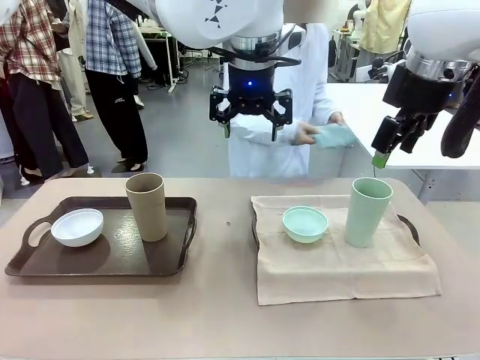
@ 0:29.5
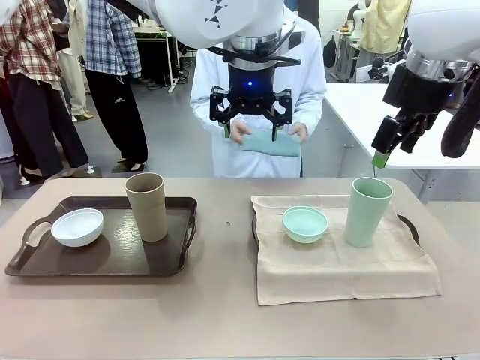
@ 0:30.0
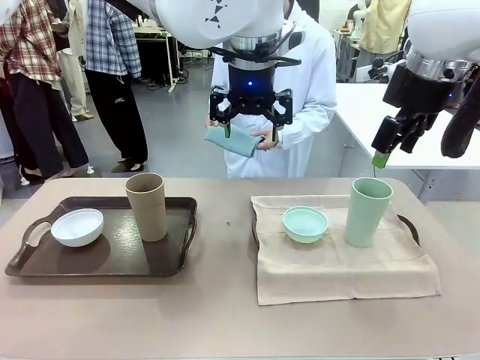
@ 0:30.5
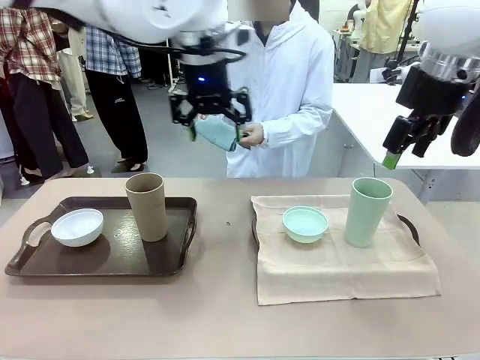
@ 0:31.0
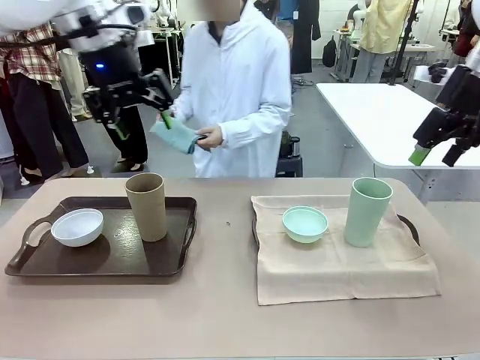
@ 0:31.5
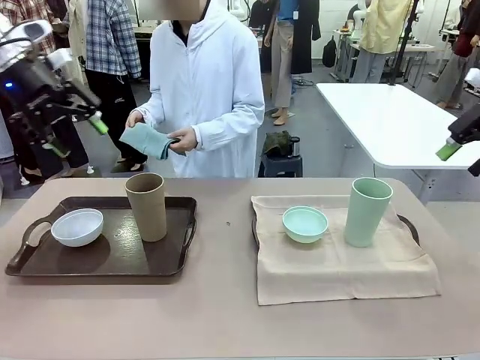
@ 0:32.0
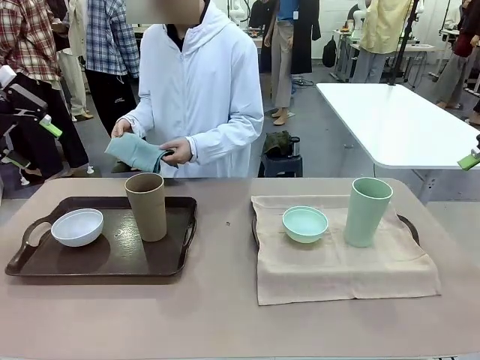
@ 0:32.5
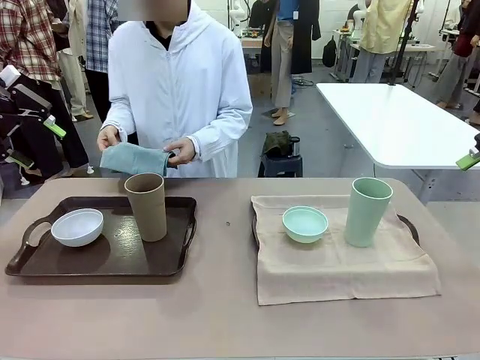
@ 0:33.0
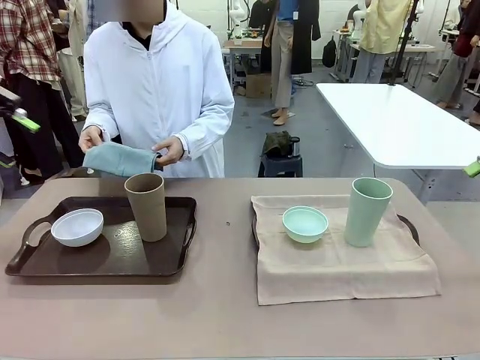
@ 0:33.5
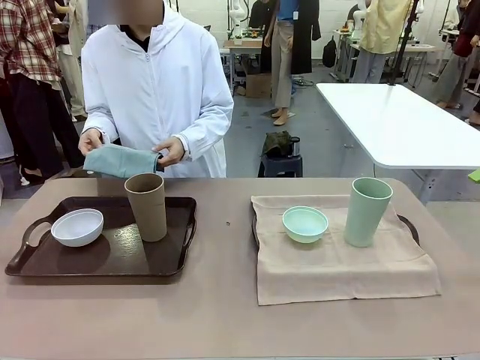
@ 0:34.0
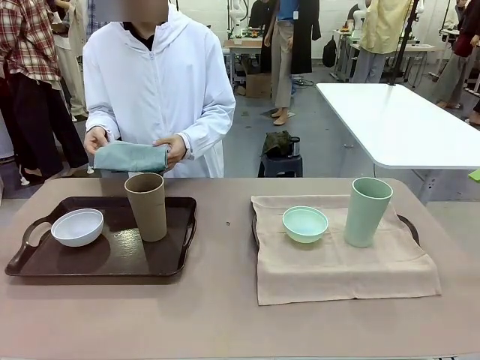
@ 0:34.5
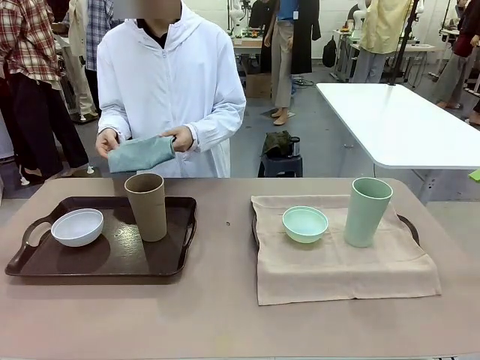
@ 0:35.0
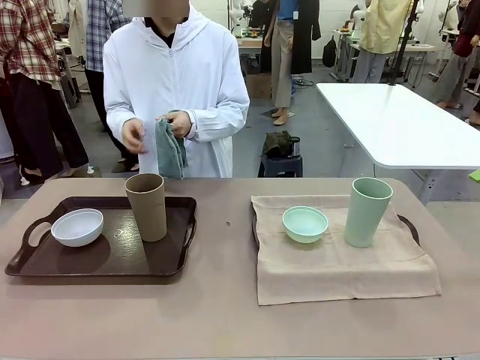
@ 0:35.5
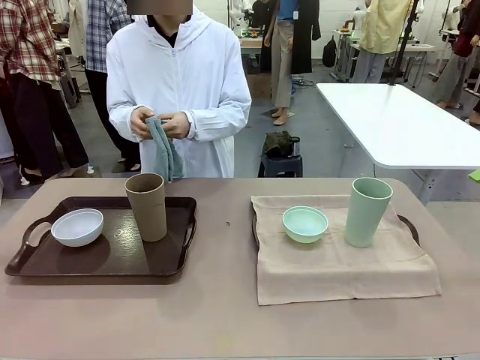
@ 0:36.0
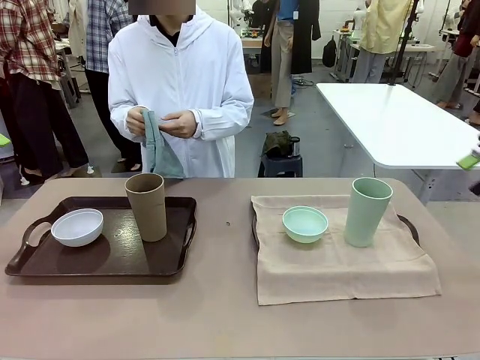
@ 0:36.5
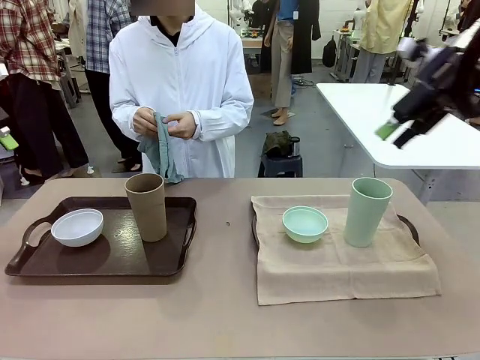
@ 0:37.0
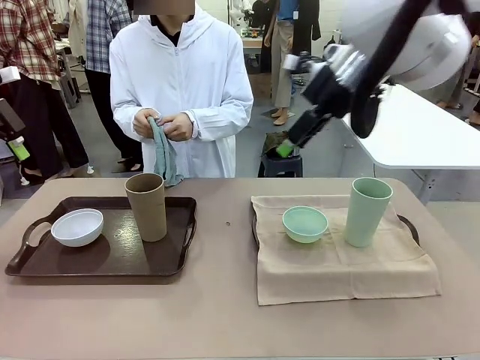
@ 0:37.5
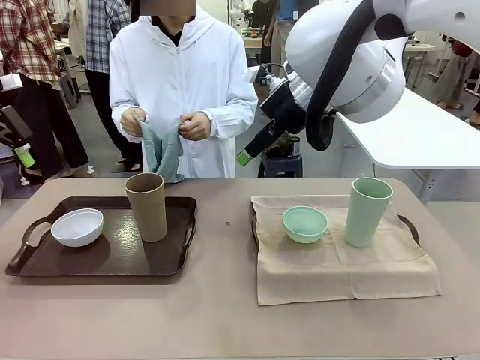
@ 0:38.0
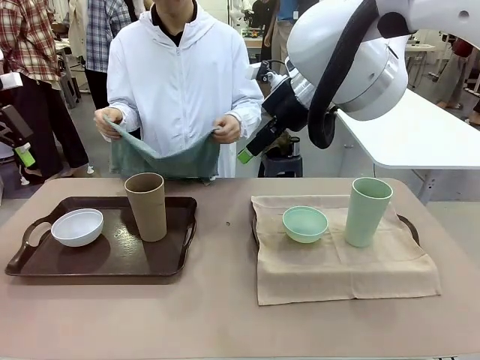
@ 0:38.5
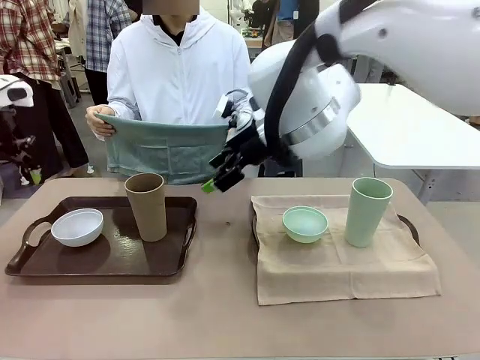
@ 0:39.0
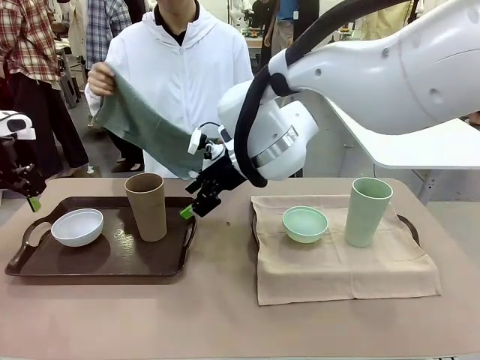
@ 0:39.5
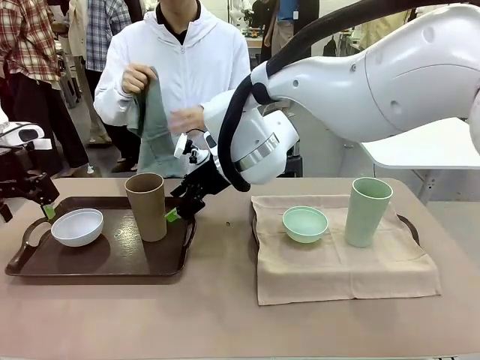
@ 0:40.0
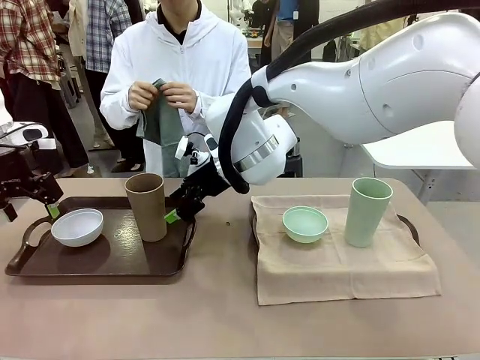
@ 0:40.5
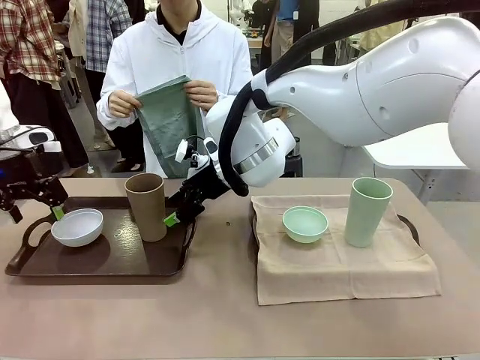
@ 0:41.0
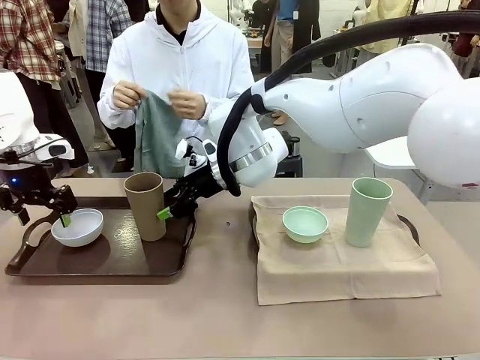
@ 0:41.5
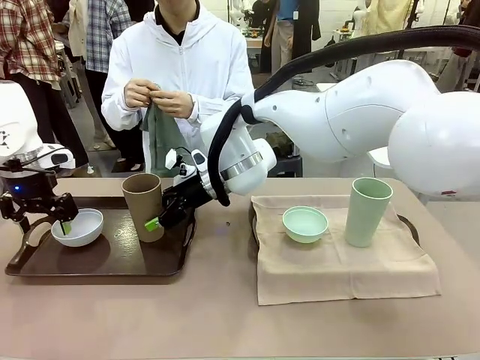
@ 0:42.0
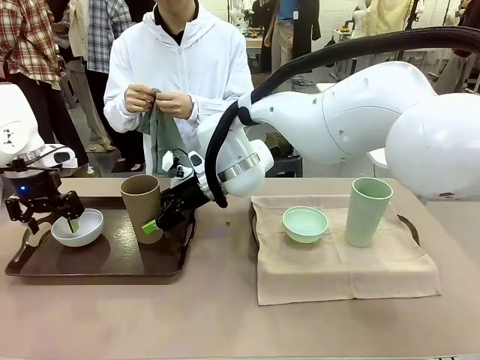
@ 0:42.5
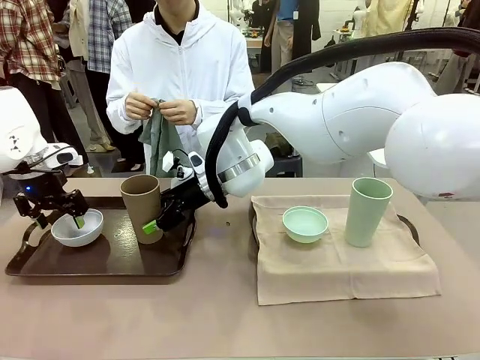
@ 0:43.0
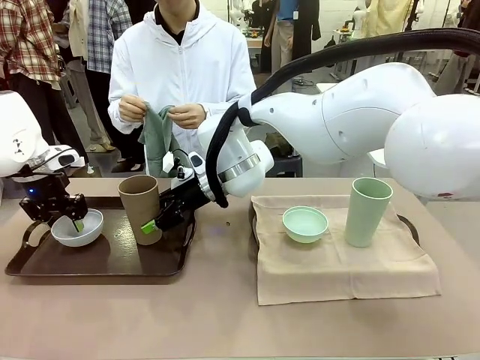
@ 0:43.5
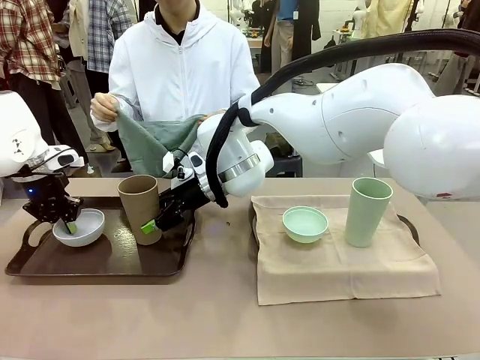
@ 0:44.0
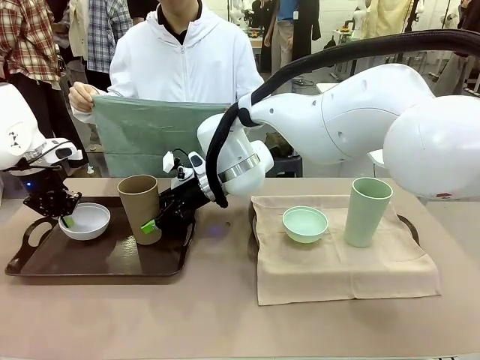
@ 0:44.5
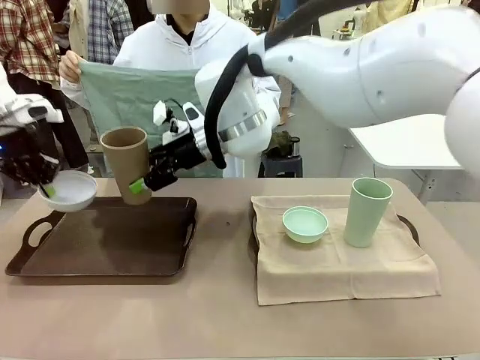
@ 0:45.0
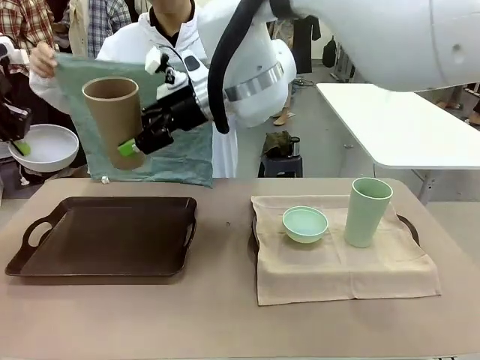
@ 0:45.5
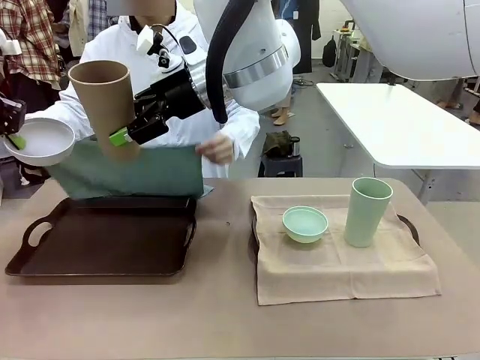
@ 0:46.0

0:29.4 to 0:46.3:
Robot: Pick up the Picnic Bowl and Reusable plastic cup from the Handle tray in front of the human's position and hold them in the air.

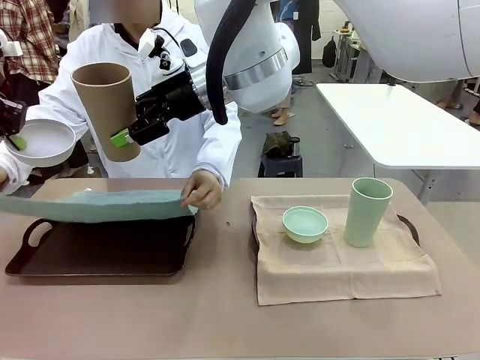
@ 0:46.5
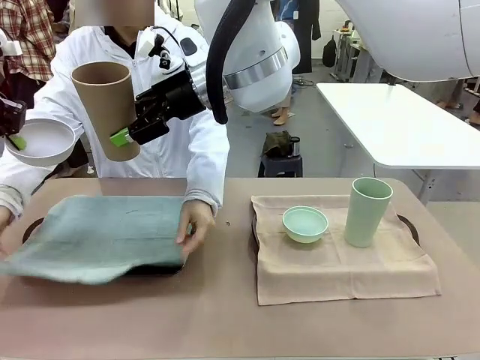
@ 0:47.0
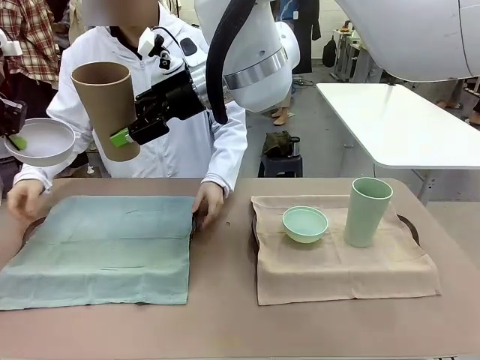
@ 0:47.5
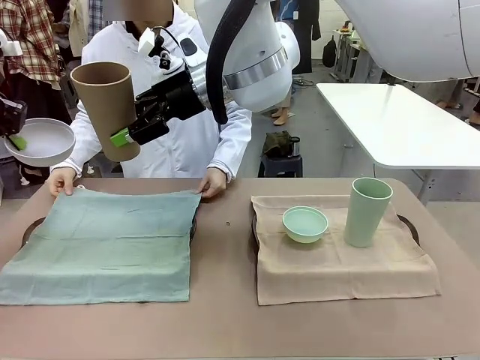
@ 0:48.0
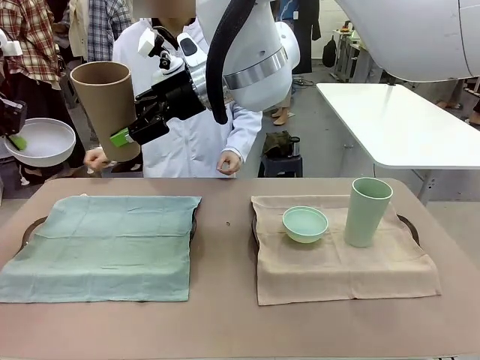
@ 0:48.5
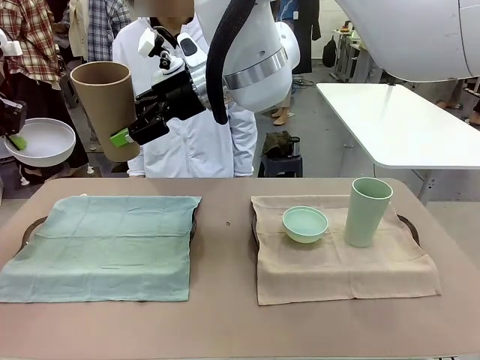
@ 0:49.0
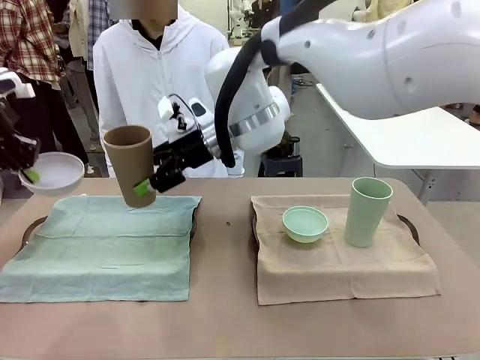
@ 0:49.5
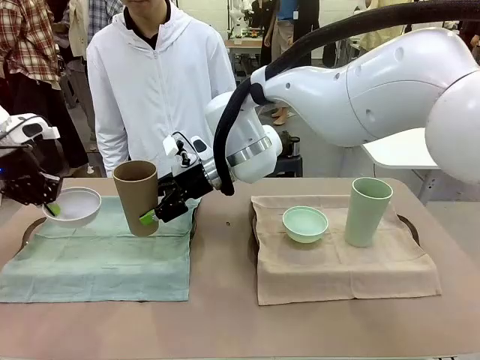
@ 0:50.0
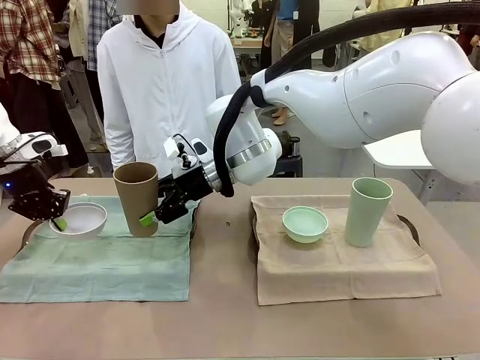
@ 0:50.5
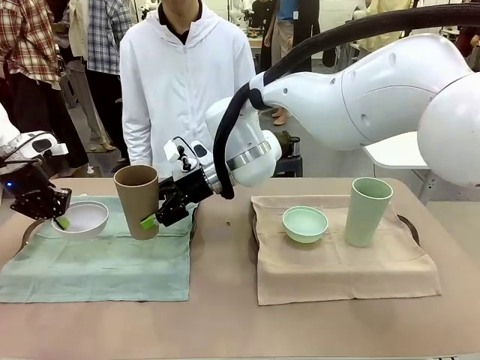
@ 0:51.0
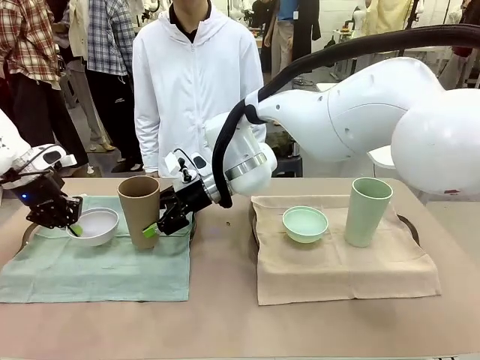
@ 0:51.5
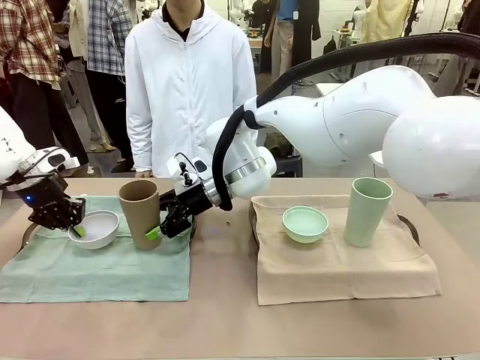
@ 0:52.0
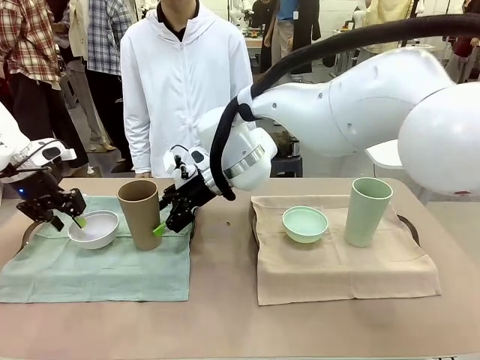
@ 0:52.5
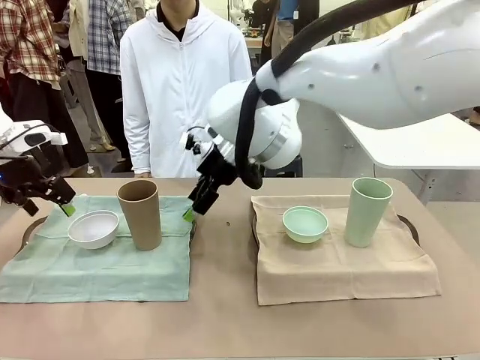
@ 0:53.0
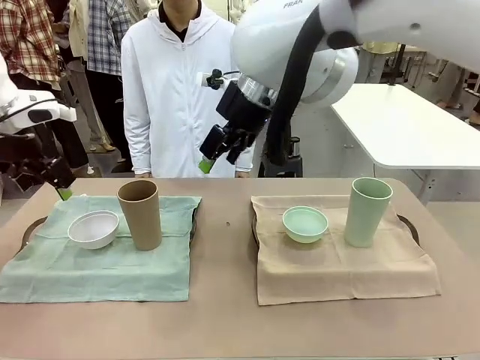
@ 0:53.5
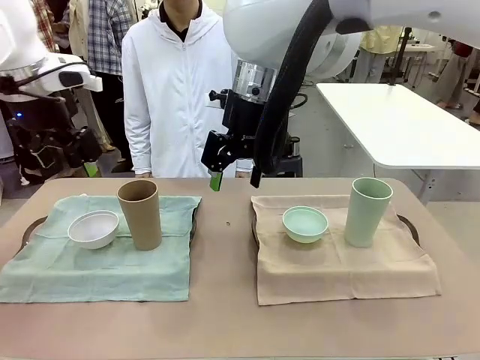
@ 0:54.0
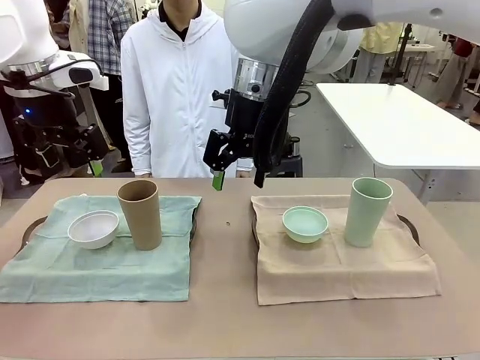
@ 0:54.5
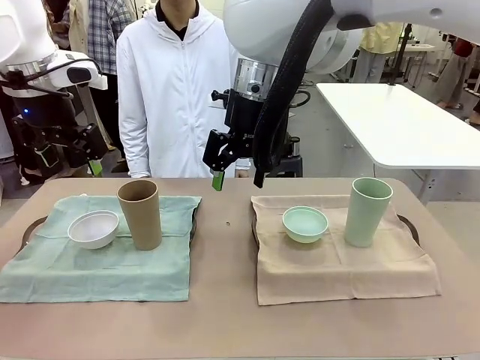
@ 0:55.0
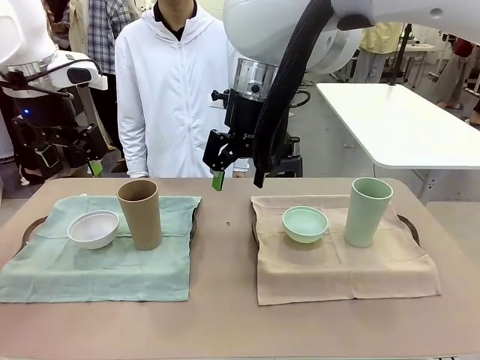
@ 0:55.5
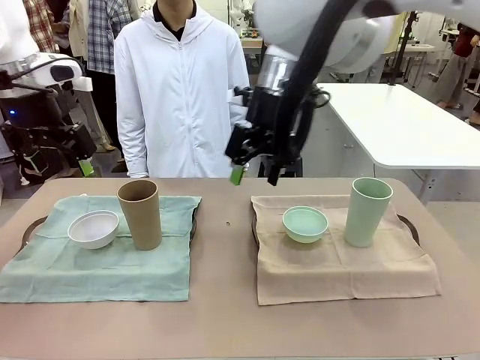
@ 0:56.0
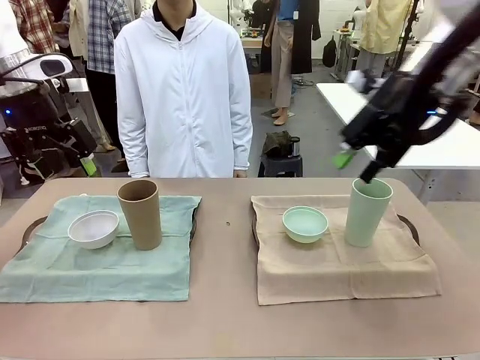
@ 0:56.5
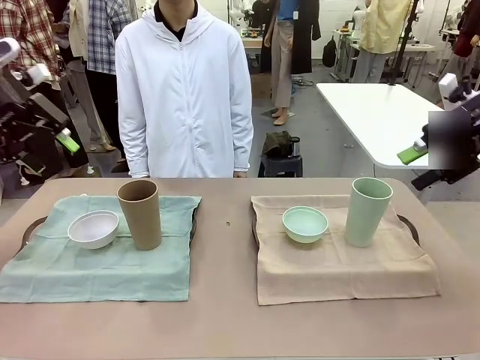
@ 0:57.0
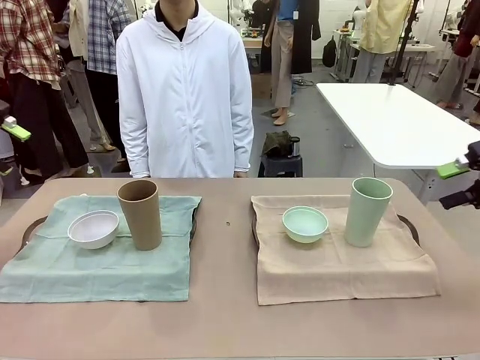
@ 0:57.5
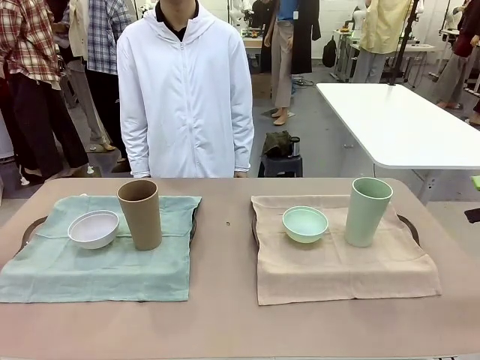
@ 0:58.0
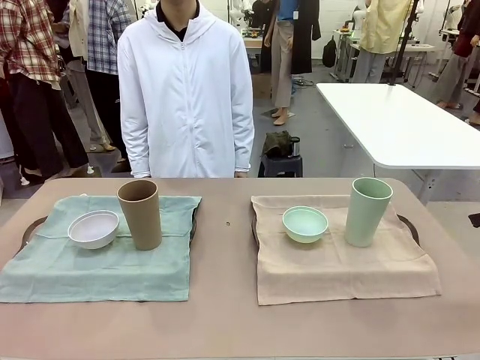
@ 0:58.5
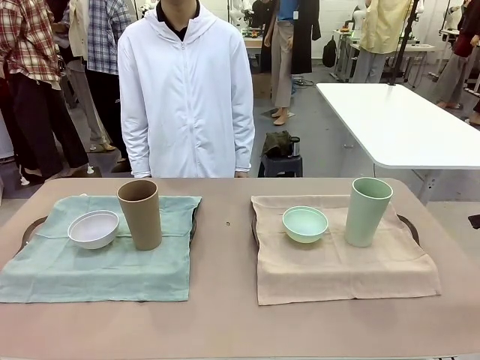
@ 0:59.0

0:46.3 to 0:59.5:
Robot: Place the Picnic Bowl and Reusable plastic cup back onto the Handle tray in front of the human's position.
Person: When the robot lifts the bowl and the cup, the human unfolds the napkin and lays the napkin flat on the tray.
